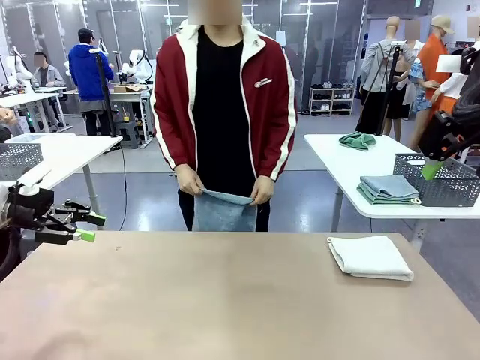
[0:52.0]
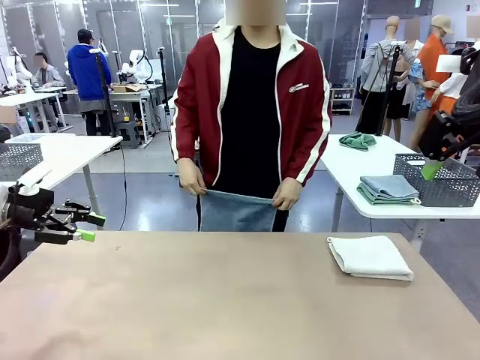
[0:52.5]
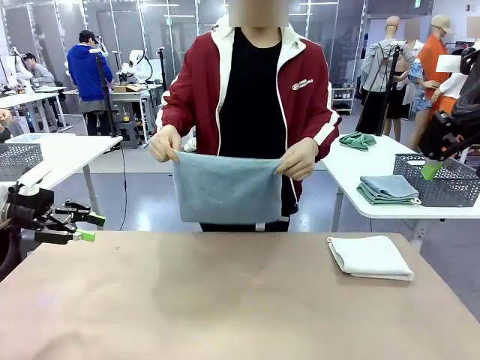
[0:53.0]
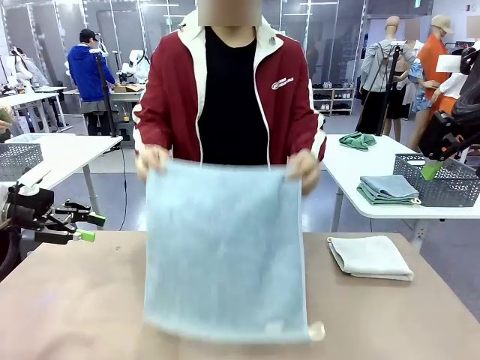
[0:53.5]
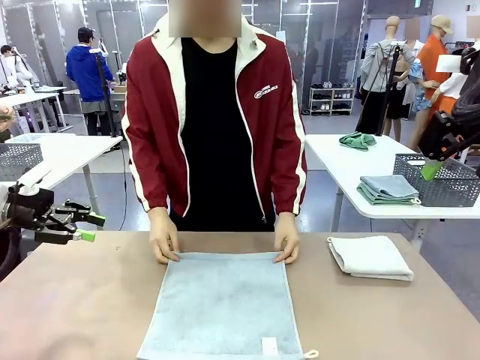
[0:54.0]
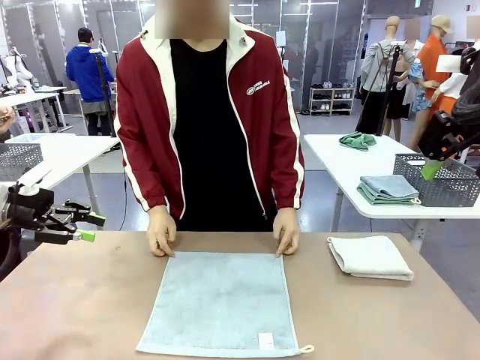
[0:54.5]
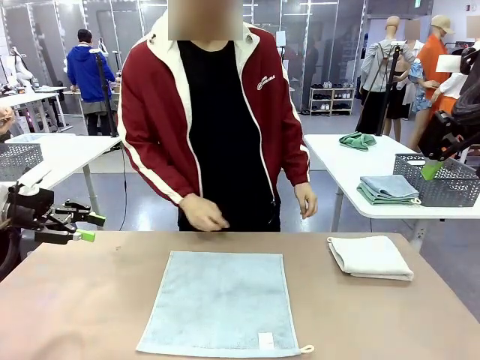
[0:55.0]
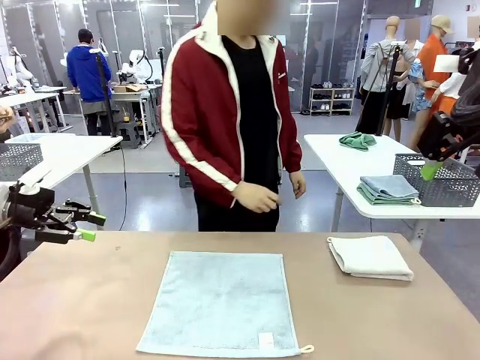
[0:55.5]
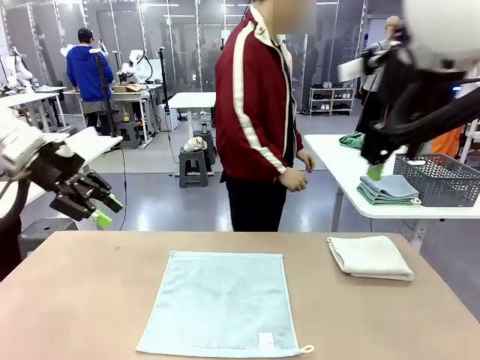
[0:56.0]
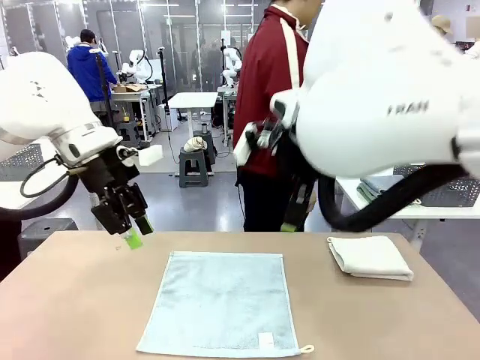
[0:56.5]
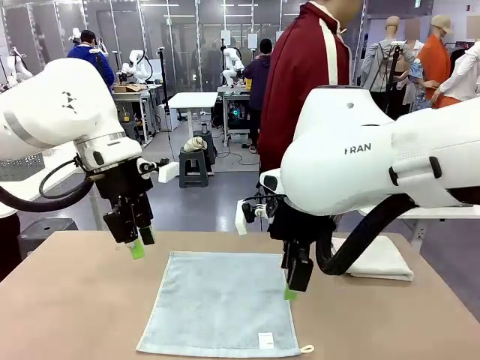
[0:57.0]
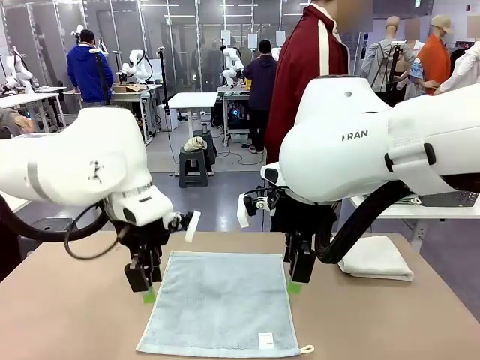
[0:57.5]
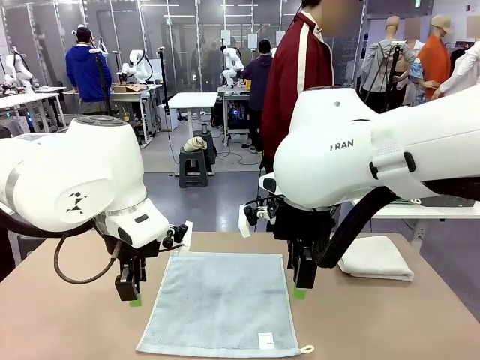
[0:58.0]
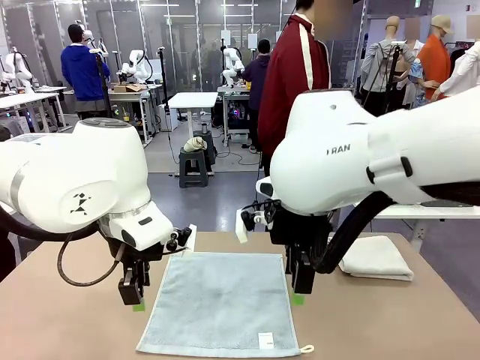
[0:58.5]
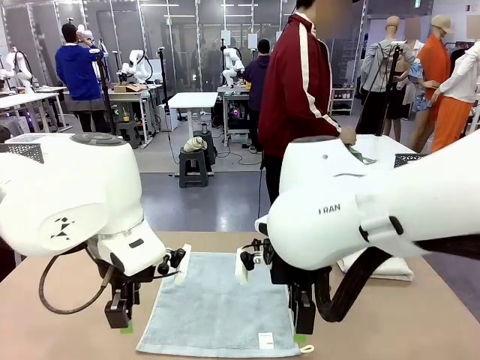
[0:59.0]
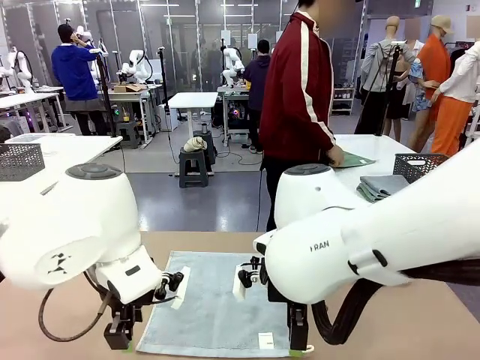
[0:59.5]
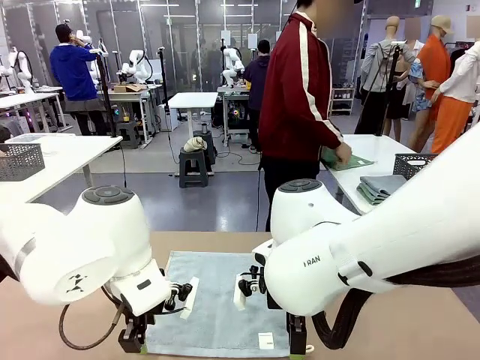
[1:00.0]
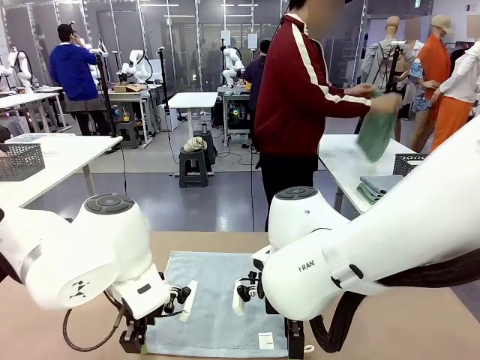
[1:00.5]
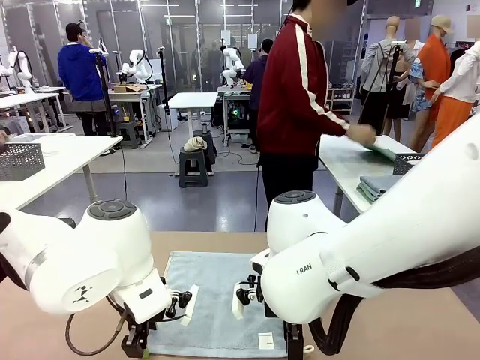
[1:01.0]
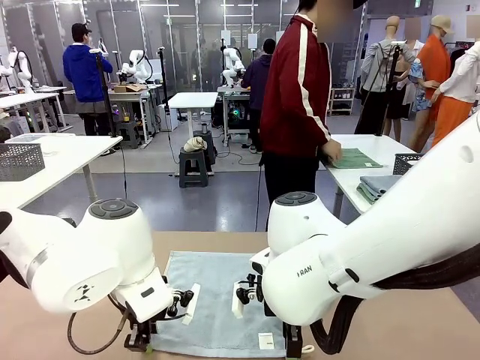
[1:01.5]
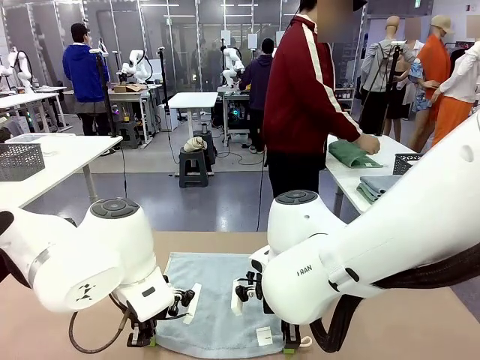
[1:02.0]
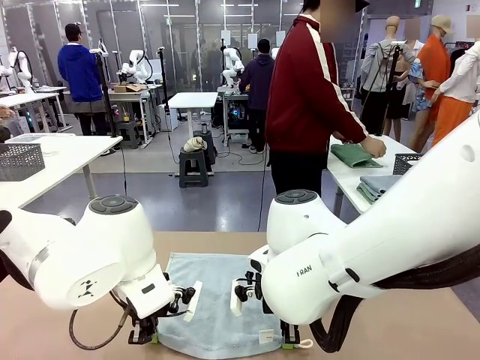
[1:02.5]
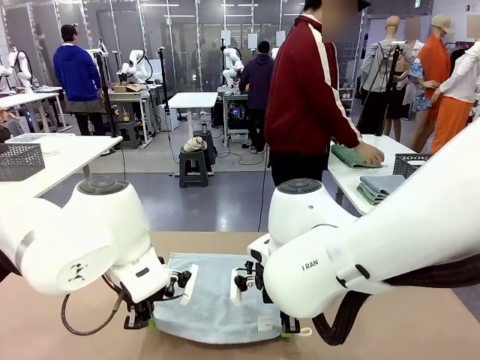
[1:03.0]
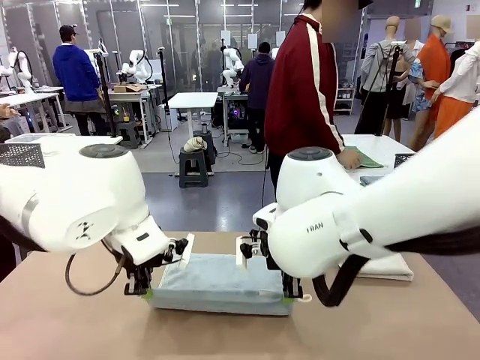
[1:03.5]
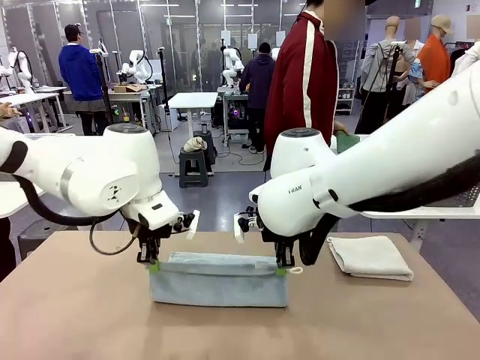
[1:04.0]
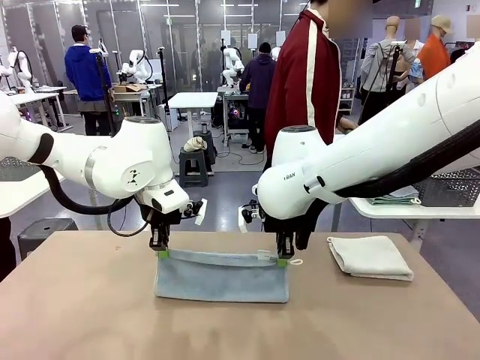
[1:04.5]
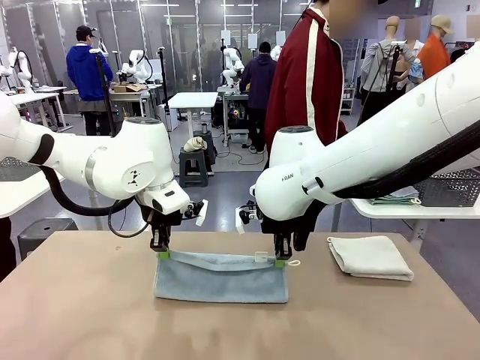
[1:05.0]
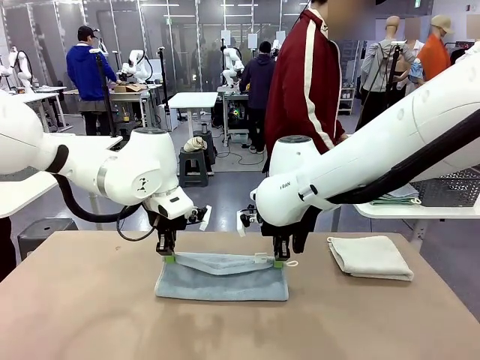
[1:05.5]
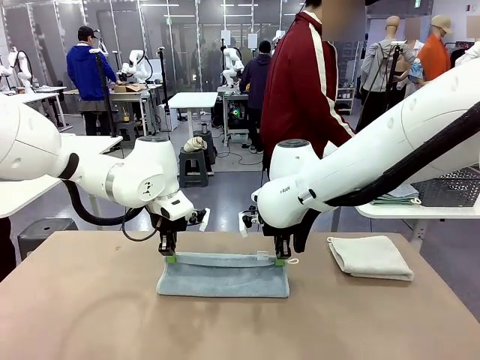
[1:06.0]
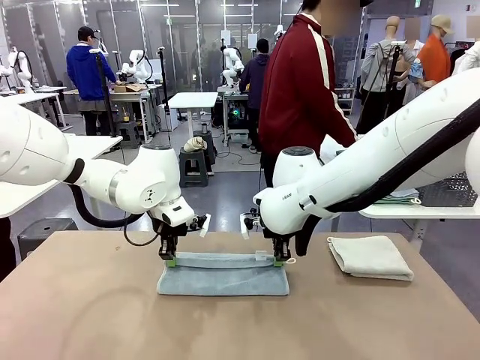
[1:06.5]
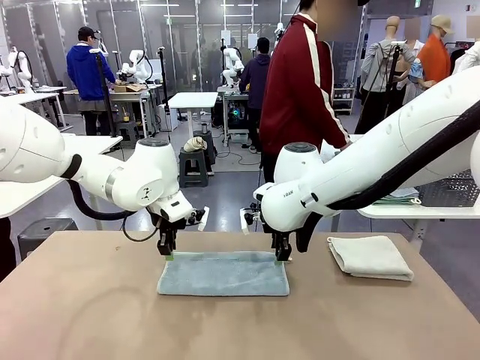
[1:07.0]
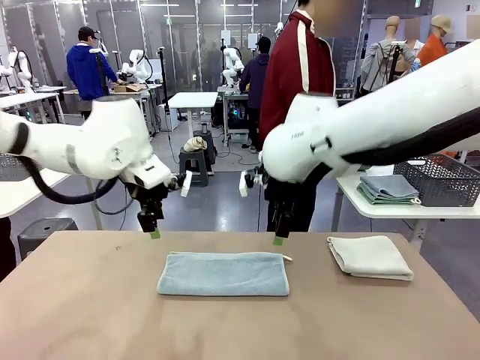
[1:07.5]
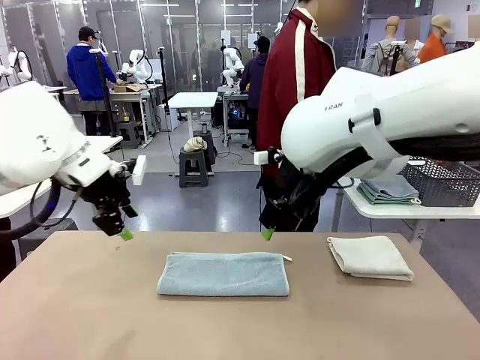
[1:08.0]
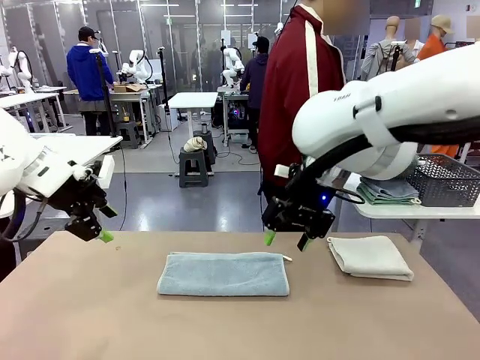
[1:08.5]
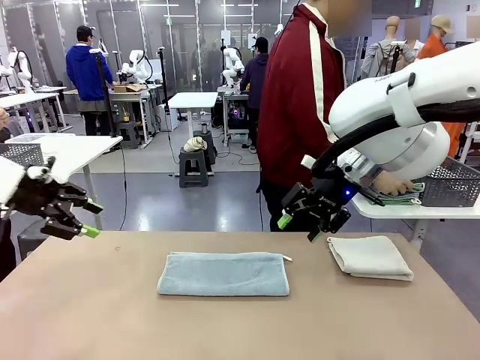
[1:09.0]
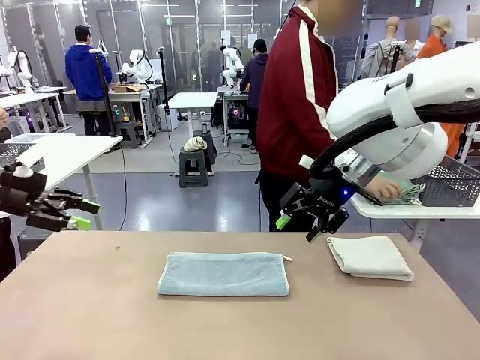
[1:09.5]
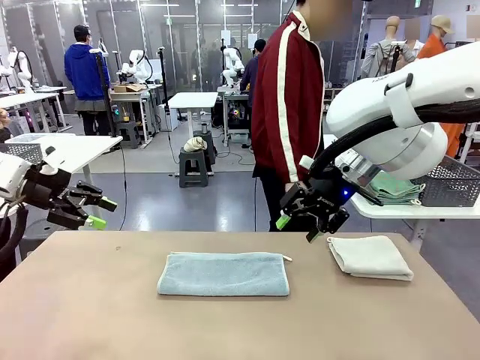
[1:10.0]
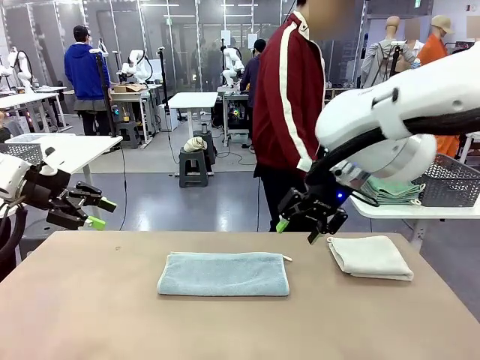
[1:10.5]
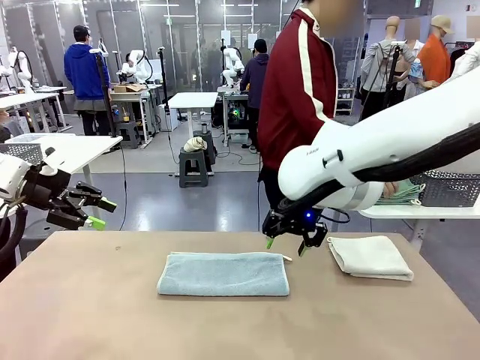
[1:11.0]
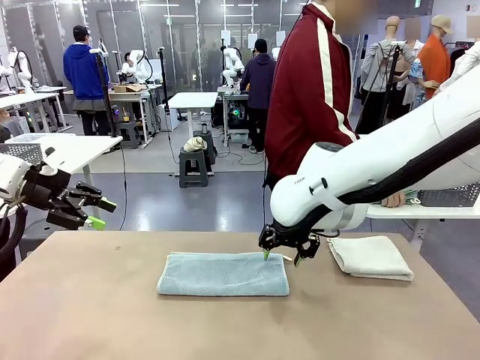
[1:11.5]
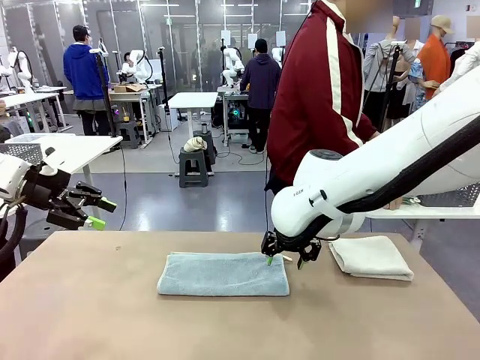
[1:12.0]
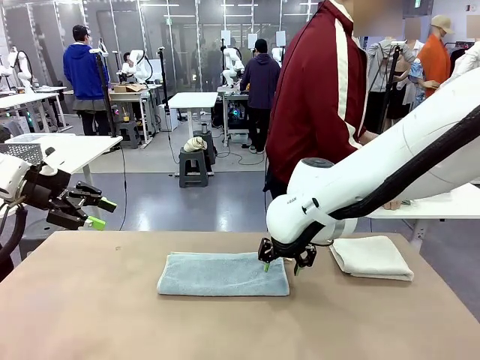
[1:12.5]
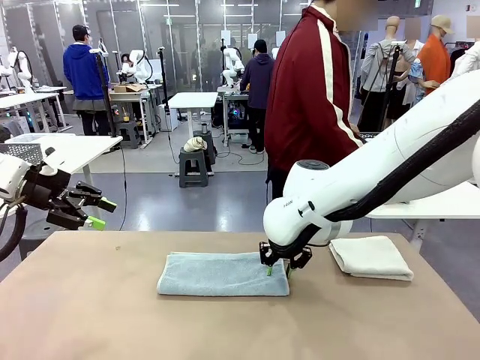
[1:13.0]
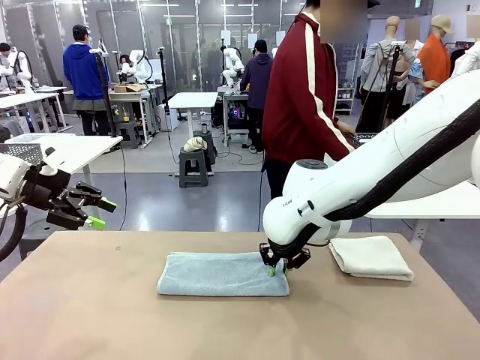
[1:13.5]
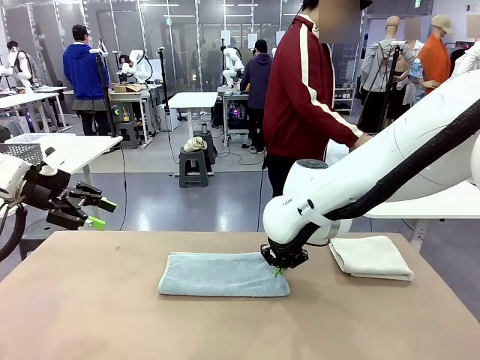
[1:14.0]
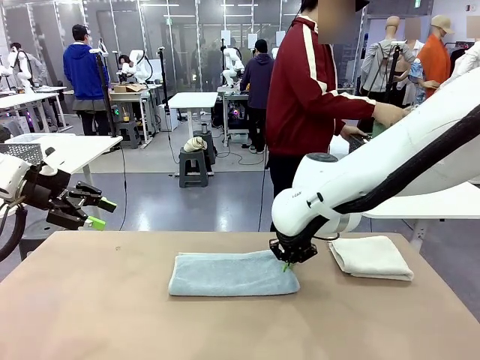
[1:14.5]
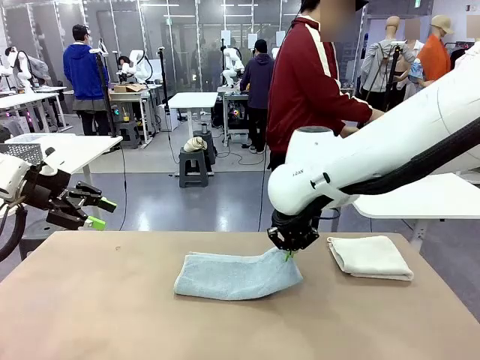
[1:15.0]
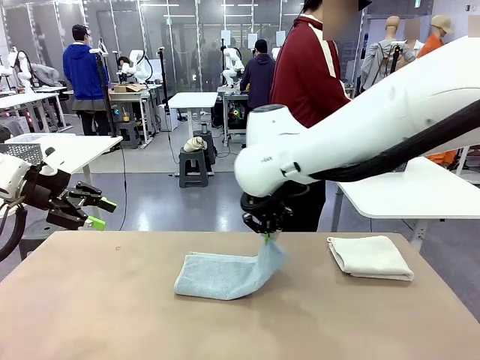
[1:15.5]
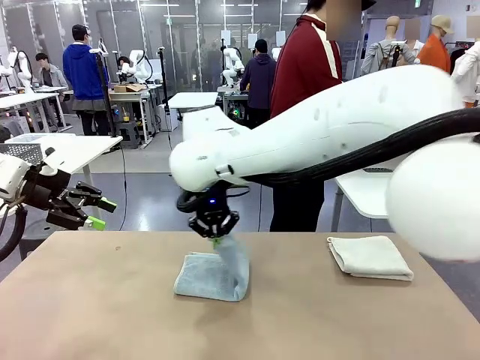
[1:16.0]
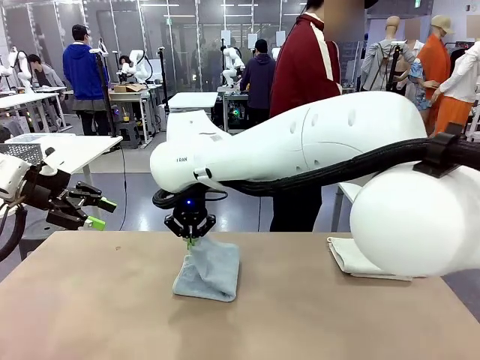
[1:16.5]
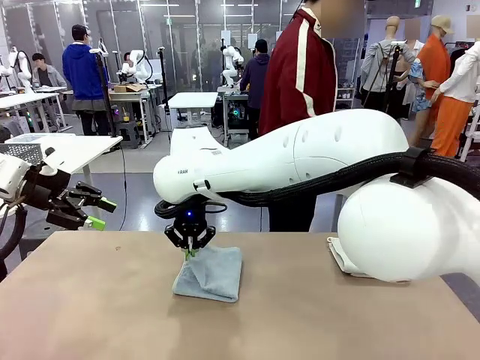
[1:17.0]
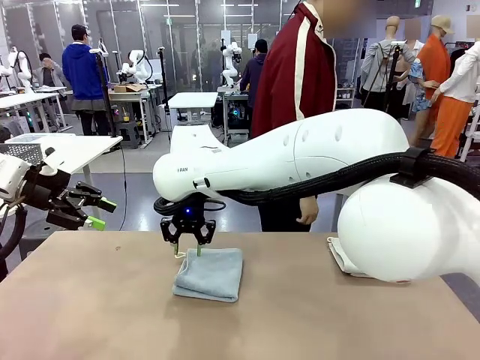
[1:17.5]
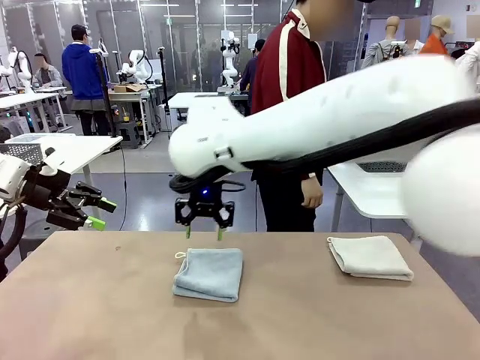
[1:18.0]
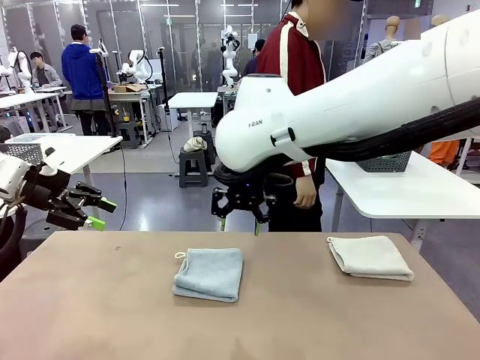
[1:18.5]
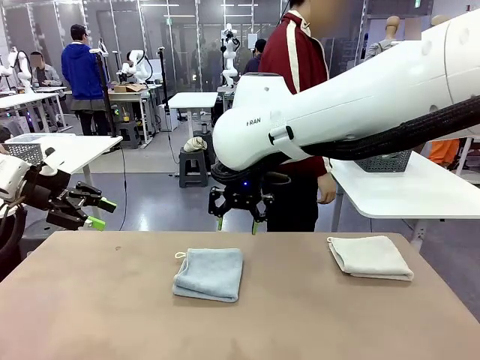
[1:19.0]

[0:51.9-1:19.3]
Task: Fold the towels and place them in the basket.
Robot: When a person lays out a Towel with hook on the table, fold it in half twice.
Person: Pick up one towel from the left side of the human table, fold it in half twice, and stack it on the right side of the table. Pick up the stack of towels from the right side of the human table, place it into the basket, and put the basket at the center of the table.
